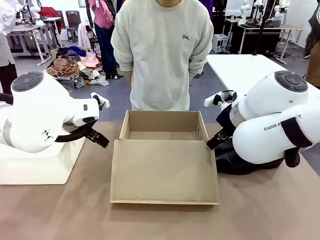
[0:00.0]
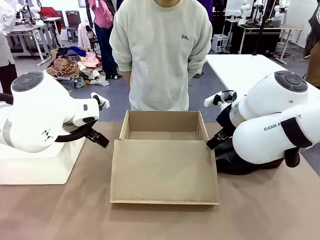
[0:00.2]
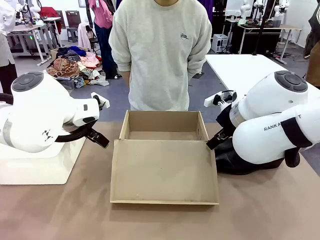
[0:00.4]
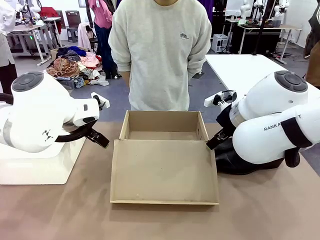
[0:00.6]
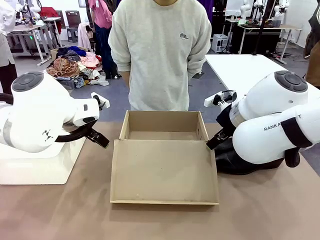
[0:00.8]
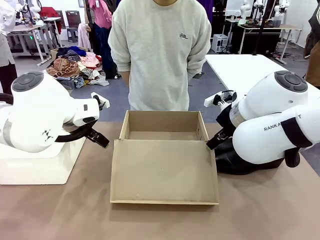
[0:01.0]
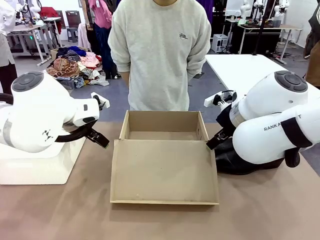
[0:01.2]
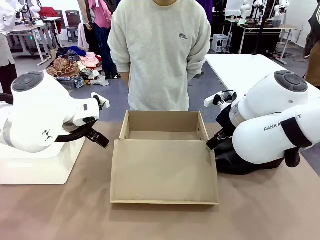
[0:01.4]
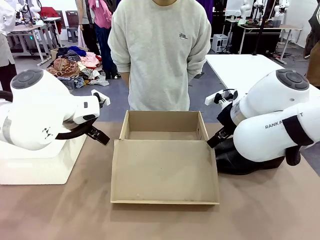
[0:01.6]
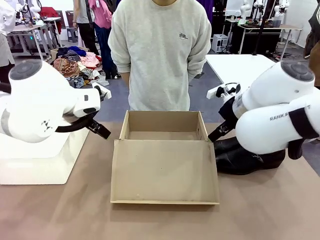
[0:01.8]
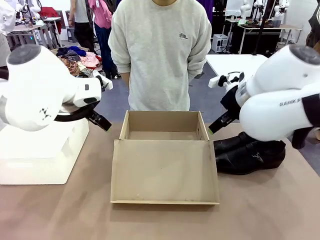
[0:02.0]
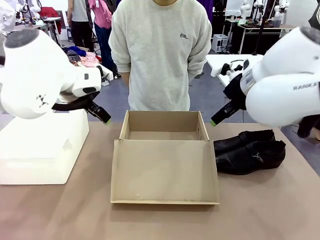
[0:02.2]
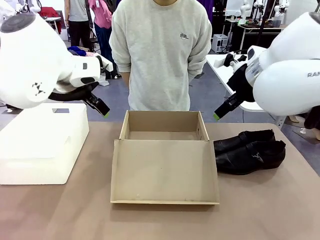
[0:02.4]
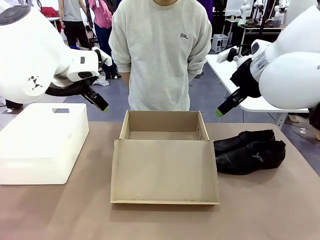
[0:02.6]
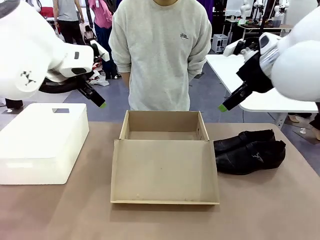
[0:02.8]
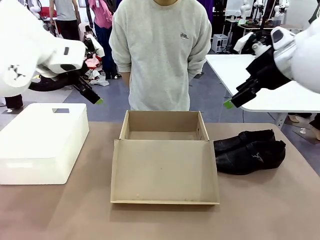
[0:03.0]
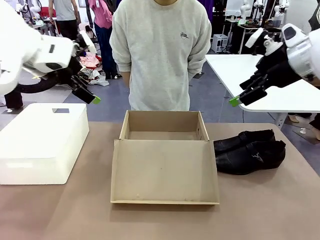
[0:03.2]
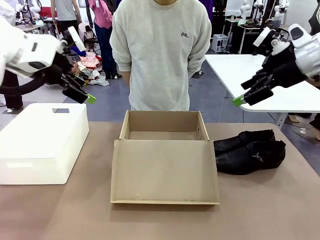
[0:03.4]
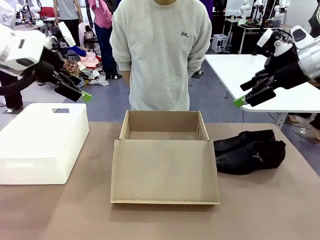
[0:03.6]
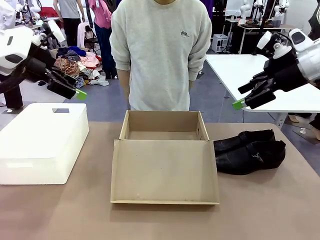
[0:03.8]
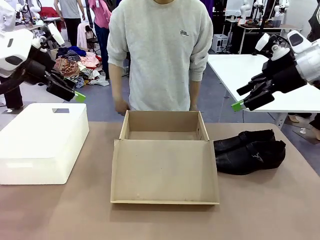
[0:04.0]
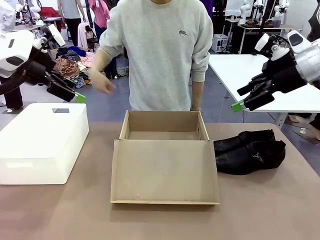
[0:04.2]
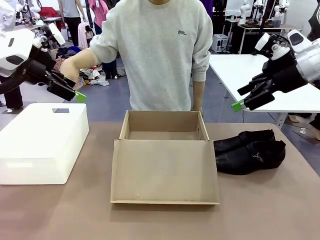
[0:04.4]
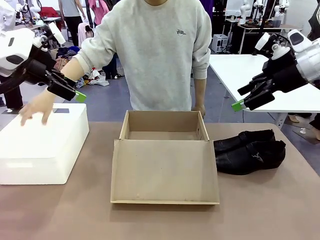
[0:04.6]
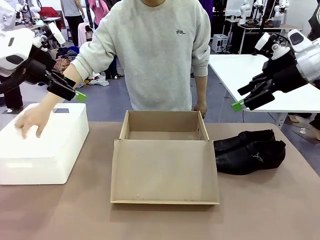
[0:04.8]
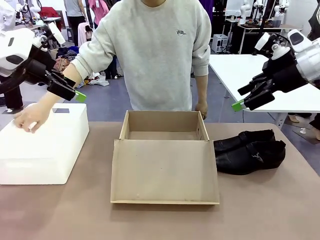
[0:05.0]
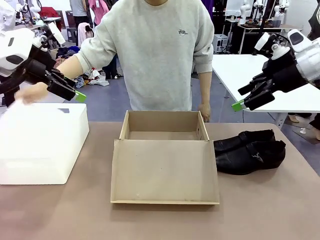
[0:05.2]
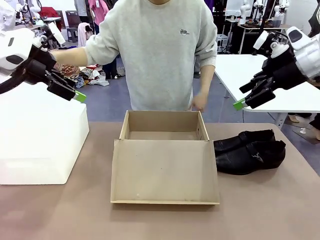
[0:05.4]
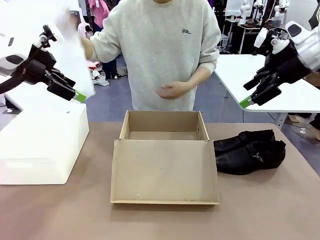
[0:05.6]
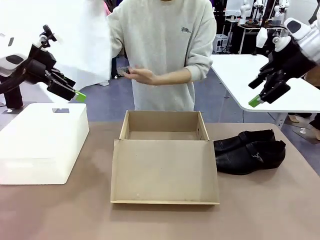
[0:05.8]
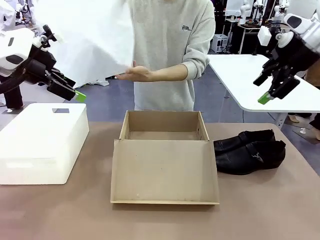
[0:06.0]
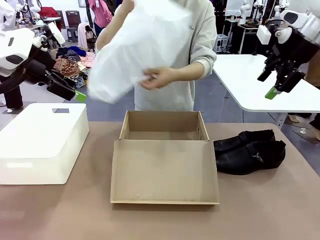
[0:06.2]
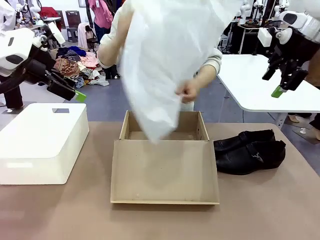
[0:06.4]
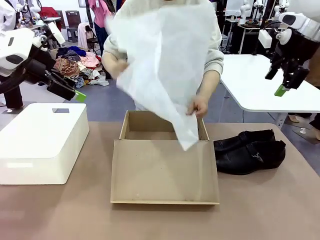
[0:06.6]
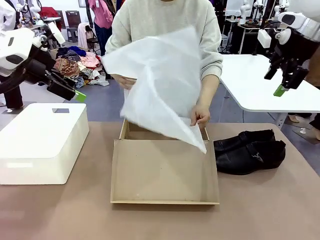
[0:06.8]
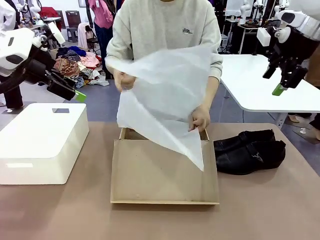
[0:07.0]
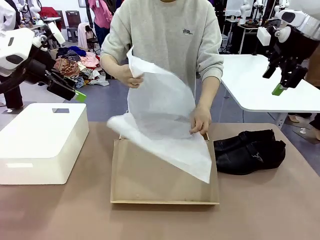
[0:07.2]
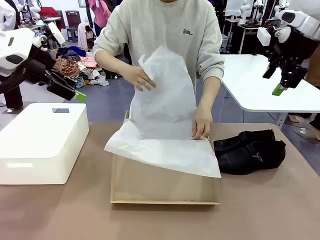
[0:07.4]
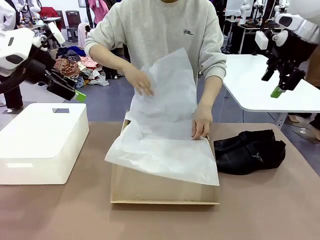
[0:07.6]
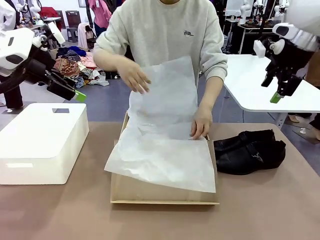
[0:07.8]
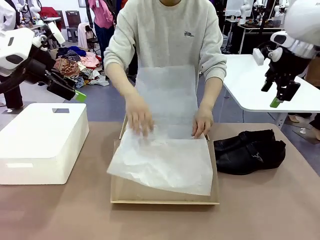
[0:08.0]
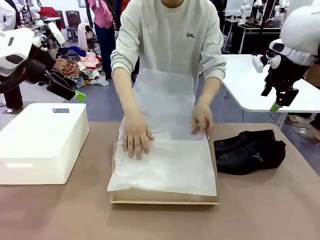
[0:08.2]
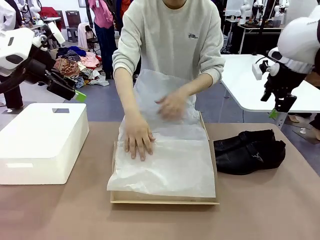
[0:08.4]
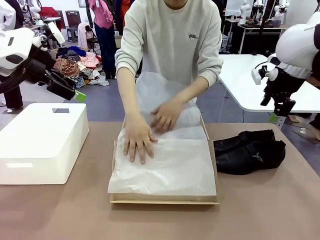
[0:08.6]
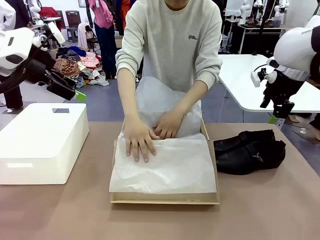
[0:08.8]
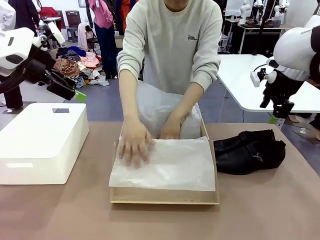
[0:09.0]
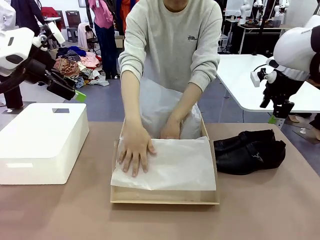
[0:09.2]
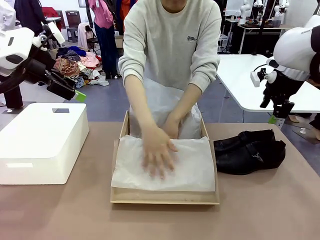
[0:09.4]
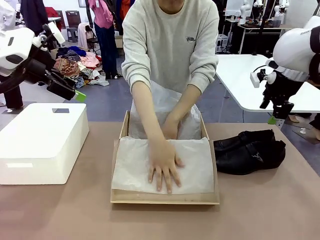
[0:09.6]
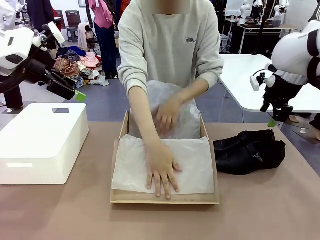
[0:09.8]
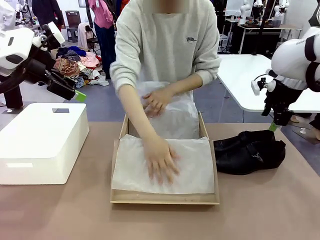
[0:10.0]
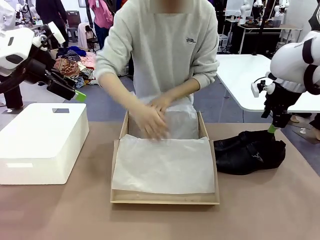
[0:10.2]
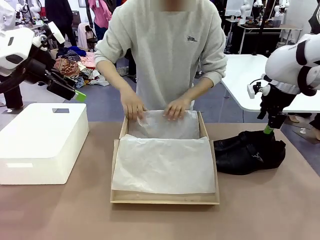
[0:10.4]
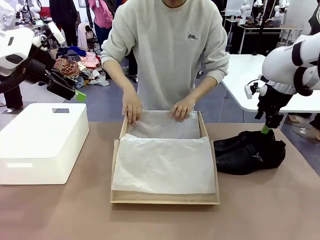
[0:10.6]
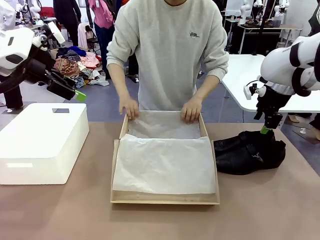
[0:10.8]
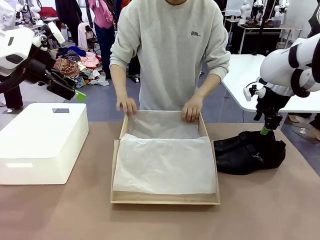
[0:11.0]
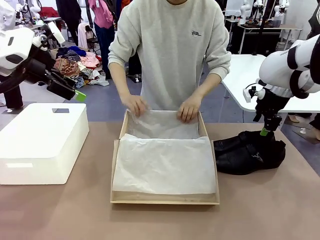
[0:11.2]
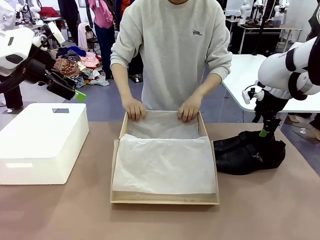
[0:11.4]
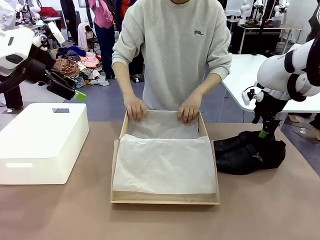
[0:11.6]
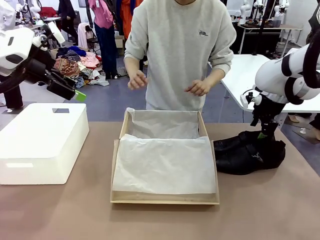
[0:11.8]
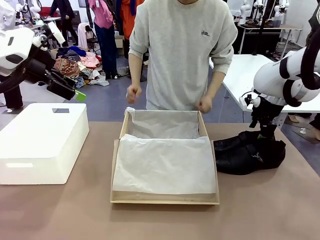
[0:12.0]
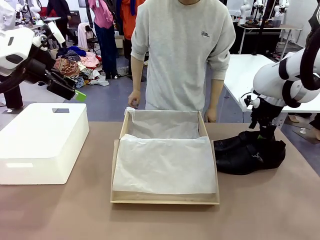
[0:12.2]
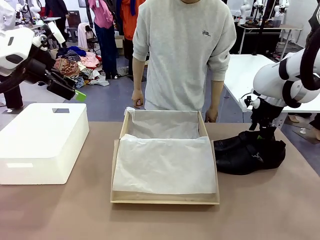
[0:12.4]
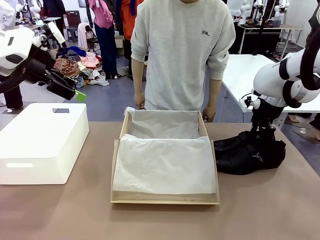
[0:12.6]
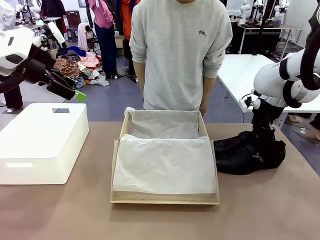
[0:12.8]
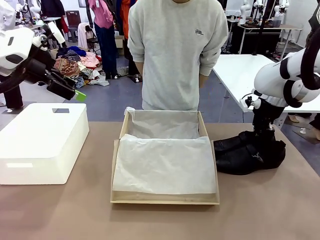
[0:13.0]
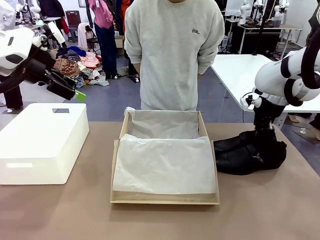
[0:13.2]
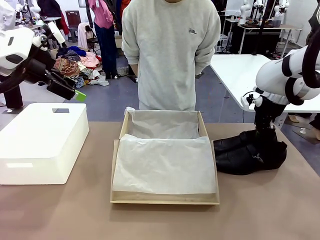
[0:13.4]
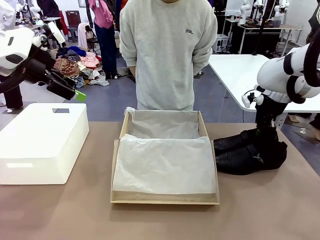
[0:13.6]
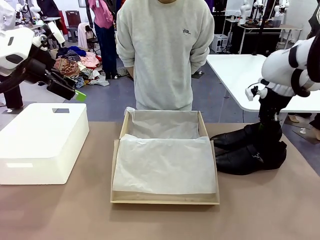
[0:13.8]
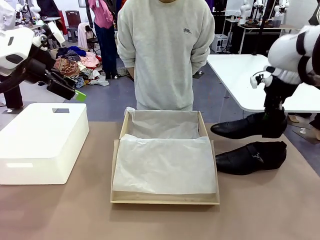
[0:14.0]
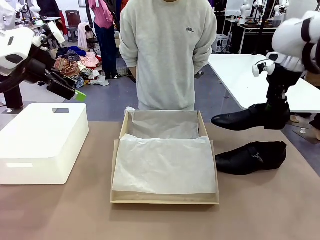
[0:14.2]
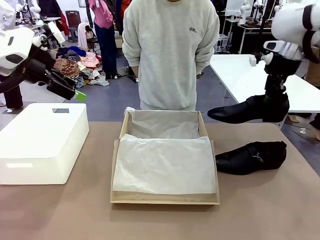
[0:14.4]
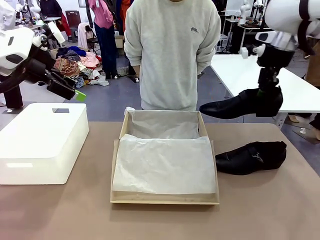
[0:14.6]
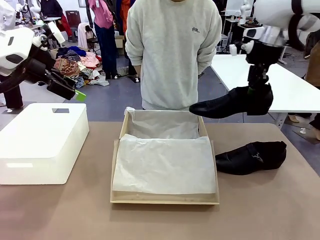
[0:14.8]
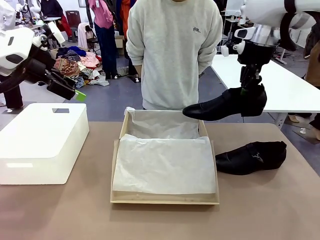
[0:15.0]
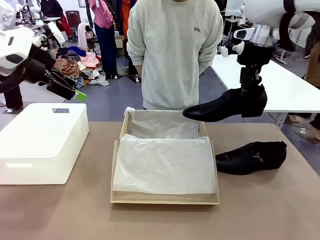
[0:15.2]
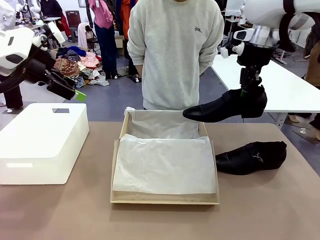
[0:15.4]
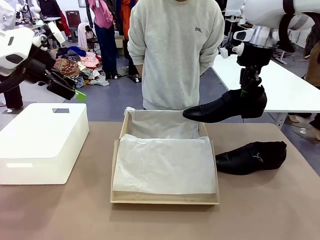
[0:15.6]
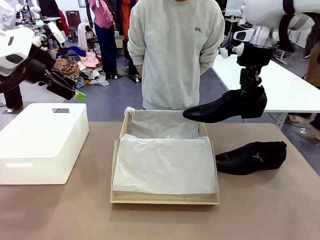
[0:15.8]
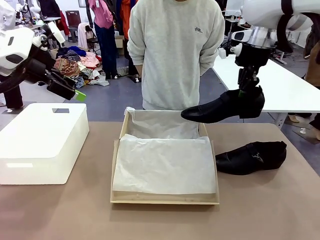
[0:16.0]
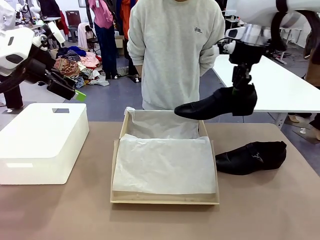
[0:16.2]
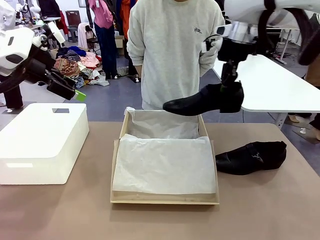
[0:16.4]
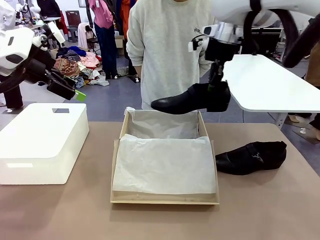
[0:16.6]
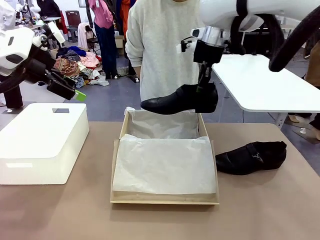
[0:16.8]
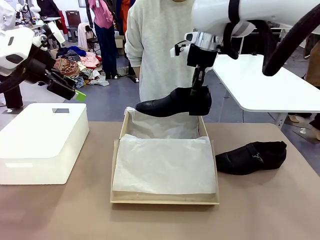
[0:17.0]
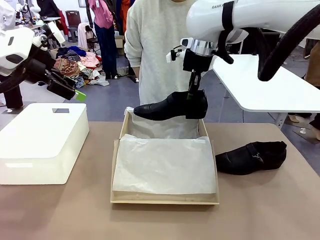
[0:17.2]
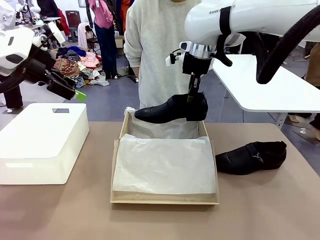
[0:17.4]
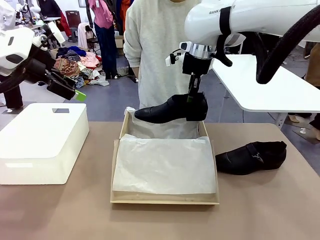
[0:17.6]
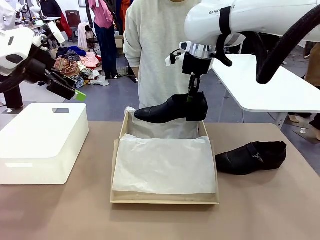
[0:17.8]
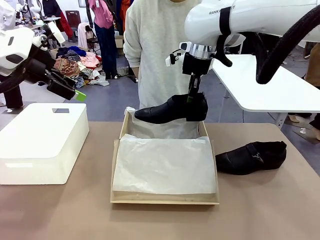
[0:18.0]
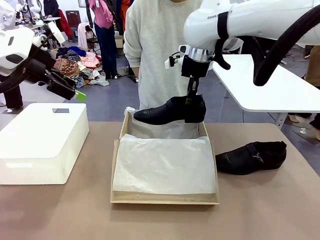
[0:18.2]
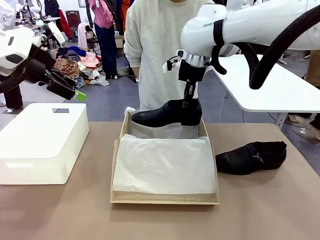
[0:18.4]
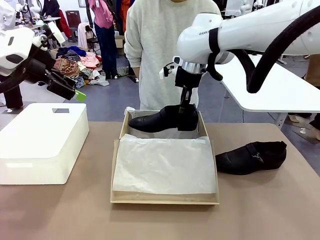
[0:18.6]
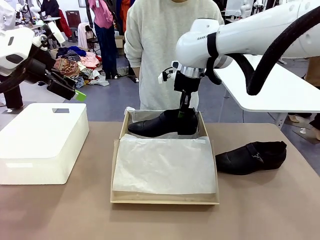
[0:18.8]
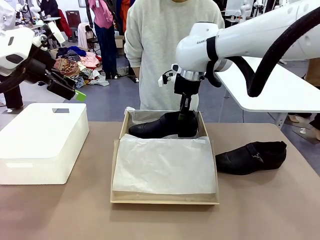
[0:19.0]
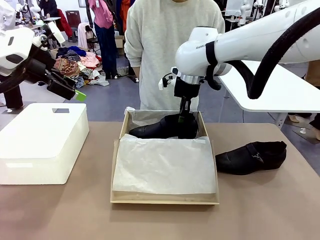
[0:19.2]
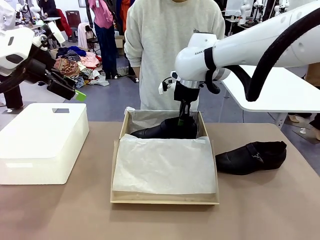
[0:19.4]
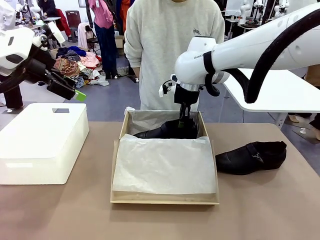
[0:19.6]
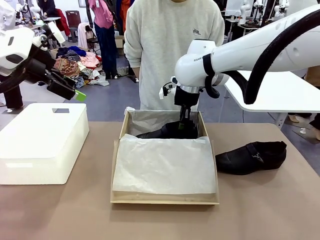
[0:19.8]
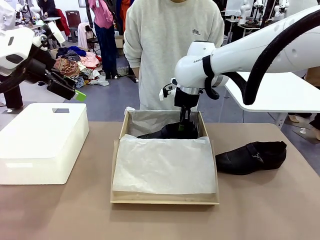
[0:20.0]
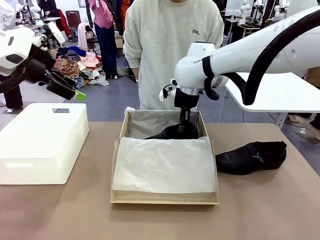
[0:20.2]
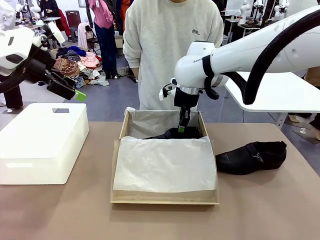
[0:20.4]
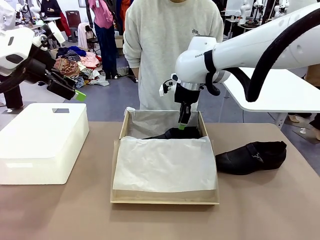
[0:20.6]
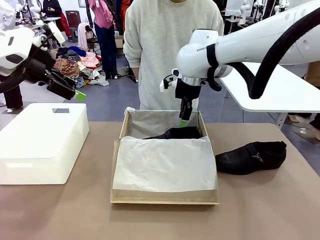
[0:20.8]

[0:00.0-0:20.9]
Task: Pack the shoes into the box.
Robot: Place one shoe of the Shoes into the Shoes Box.
Person: Spread Shoes Wrapping Paper and place inside the Shoes Box.
